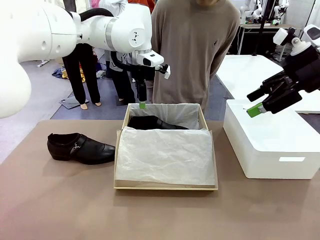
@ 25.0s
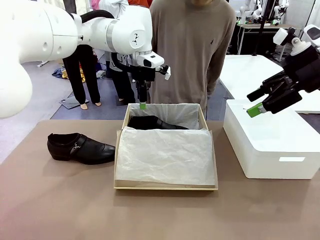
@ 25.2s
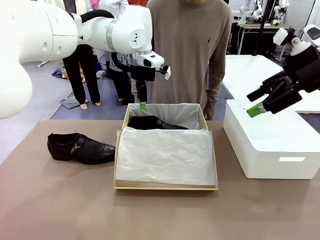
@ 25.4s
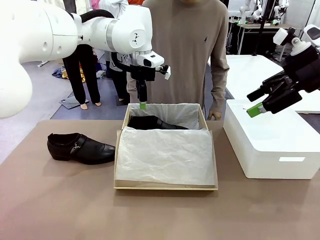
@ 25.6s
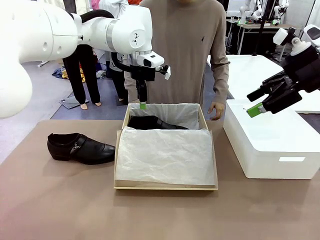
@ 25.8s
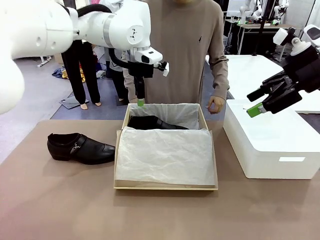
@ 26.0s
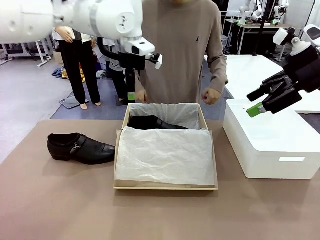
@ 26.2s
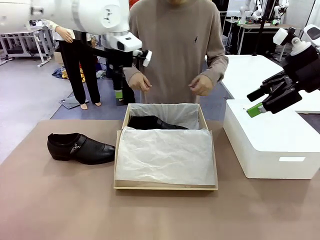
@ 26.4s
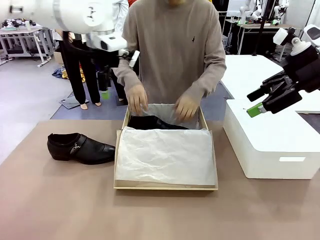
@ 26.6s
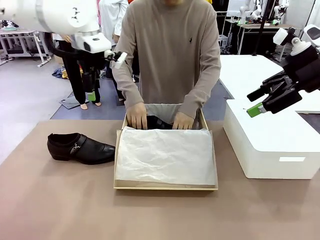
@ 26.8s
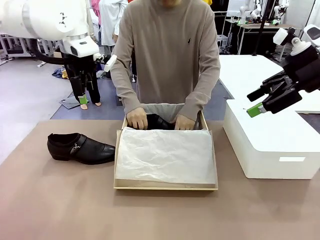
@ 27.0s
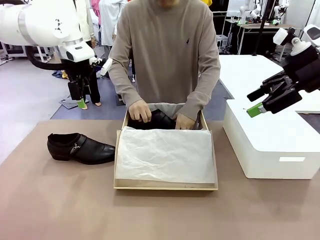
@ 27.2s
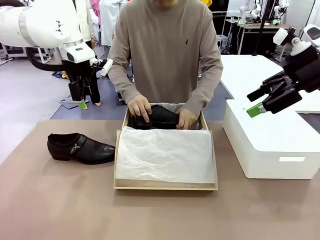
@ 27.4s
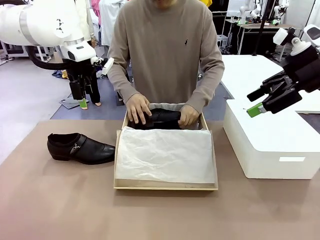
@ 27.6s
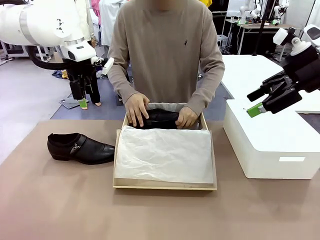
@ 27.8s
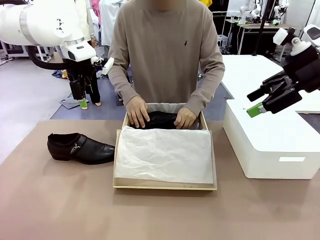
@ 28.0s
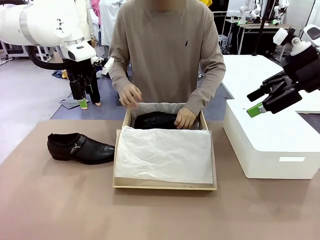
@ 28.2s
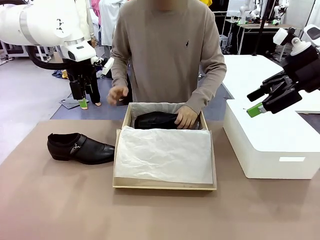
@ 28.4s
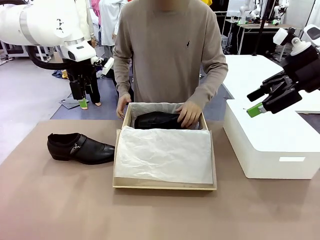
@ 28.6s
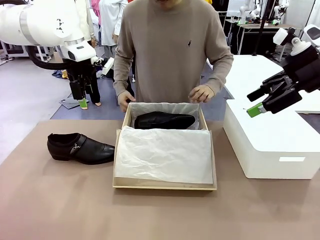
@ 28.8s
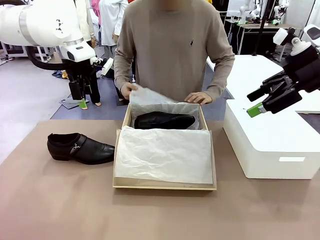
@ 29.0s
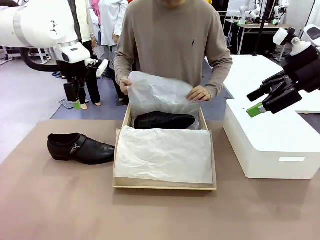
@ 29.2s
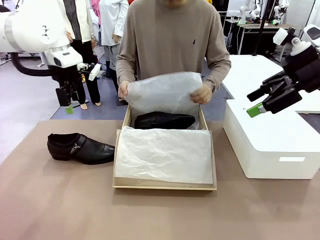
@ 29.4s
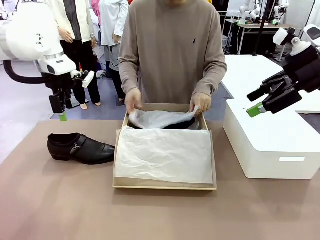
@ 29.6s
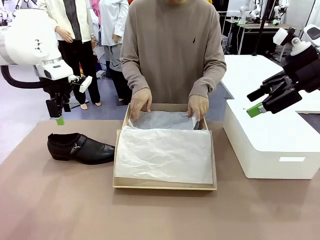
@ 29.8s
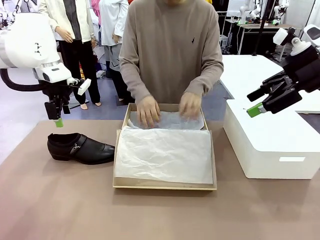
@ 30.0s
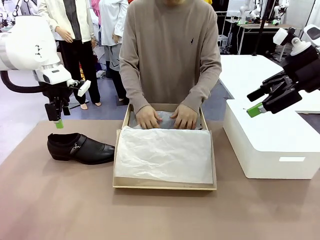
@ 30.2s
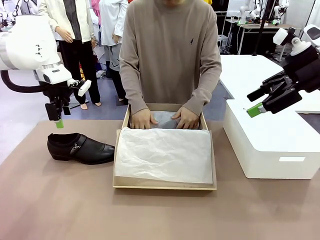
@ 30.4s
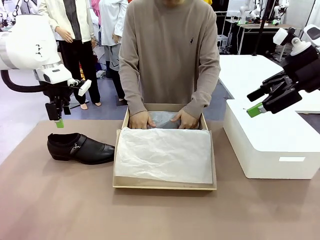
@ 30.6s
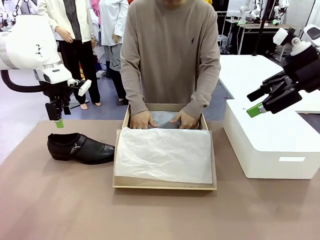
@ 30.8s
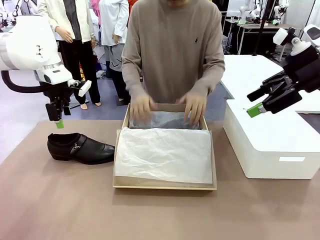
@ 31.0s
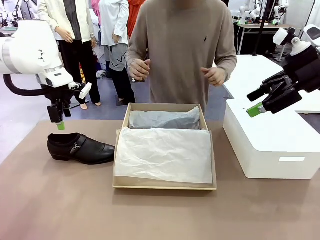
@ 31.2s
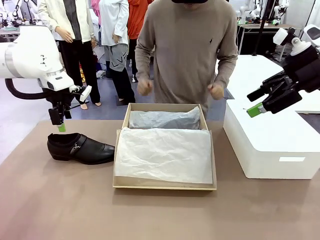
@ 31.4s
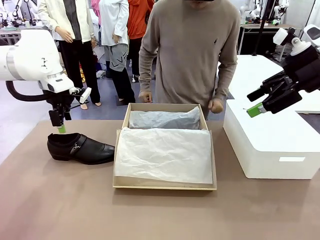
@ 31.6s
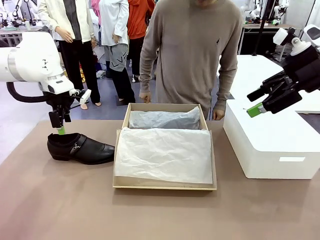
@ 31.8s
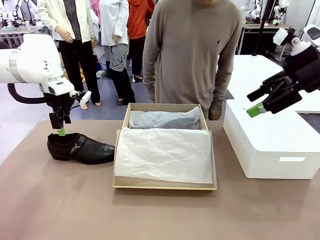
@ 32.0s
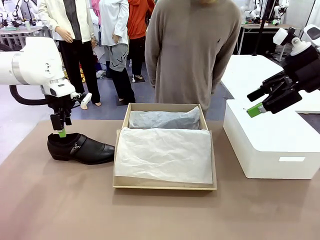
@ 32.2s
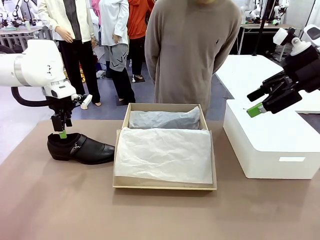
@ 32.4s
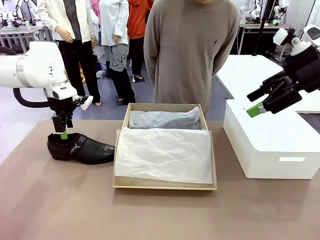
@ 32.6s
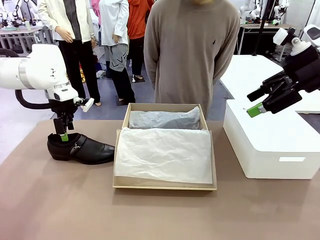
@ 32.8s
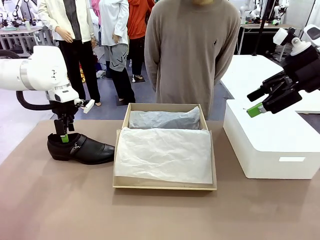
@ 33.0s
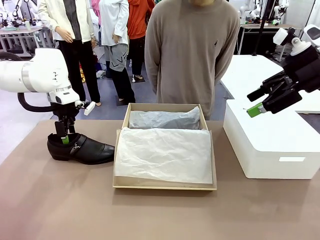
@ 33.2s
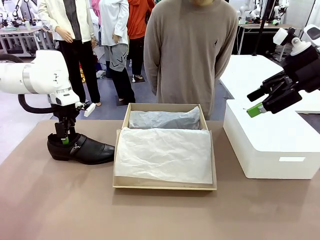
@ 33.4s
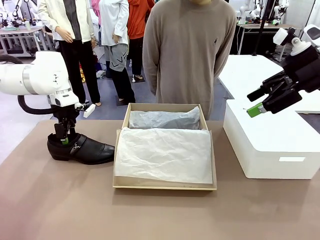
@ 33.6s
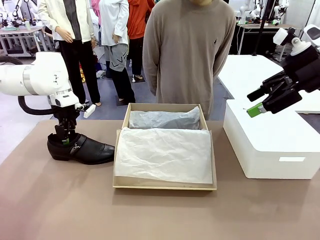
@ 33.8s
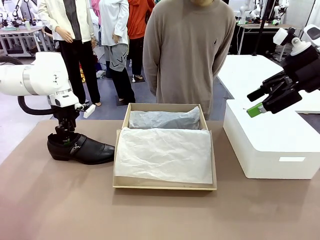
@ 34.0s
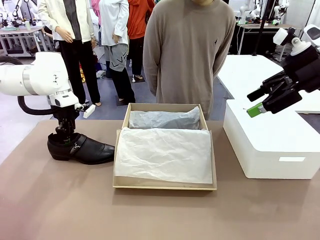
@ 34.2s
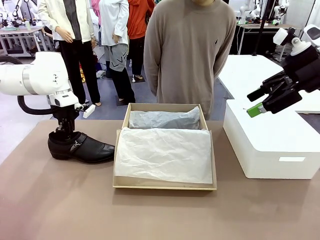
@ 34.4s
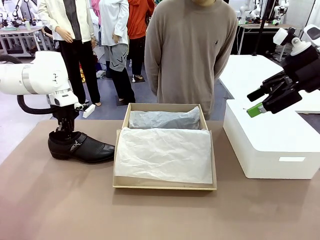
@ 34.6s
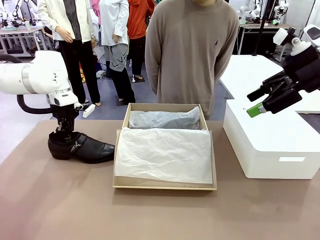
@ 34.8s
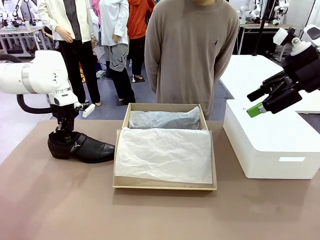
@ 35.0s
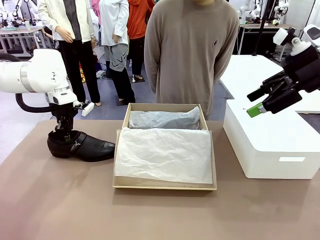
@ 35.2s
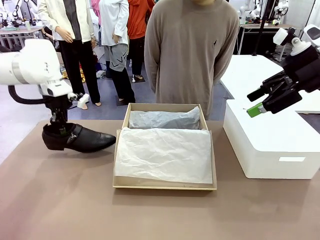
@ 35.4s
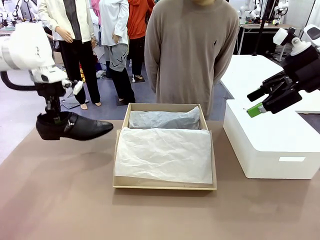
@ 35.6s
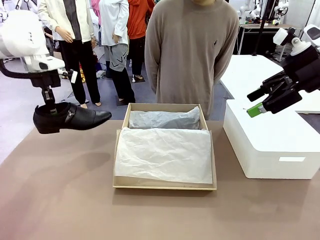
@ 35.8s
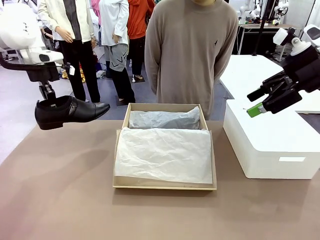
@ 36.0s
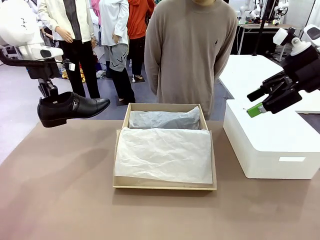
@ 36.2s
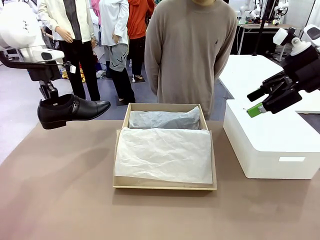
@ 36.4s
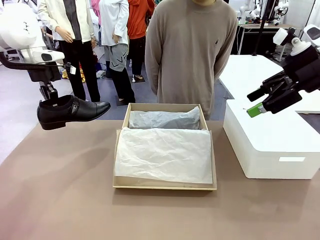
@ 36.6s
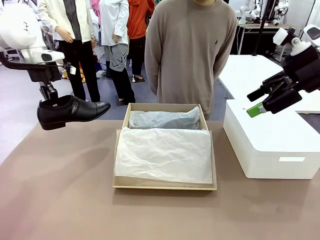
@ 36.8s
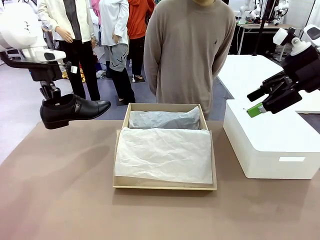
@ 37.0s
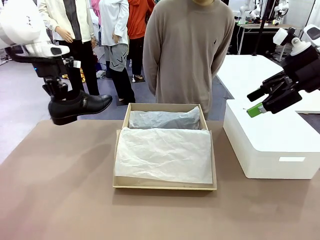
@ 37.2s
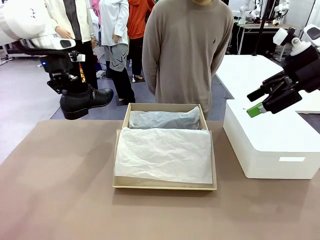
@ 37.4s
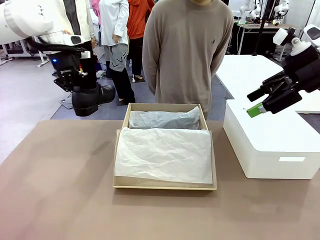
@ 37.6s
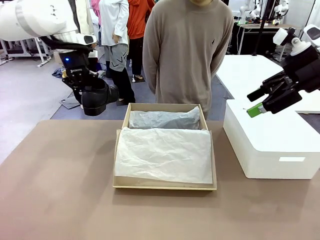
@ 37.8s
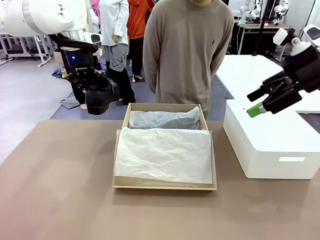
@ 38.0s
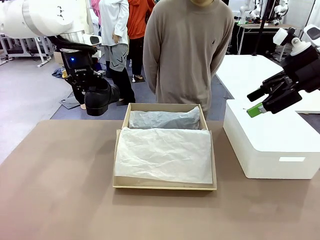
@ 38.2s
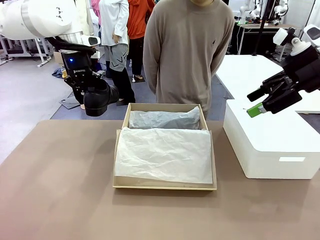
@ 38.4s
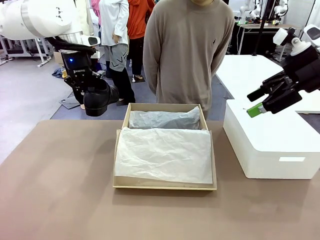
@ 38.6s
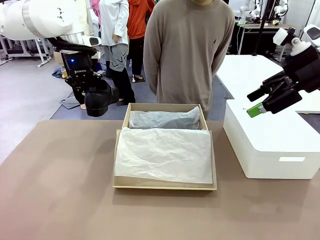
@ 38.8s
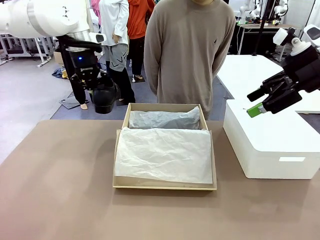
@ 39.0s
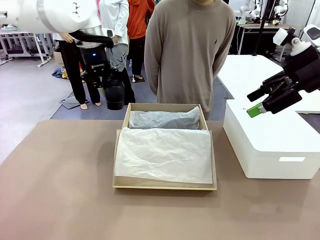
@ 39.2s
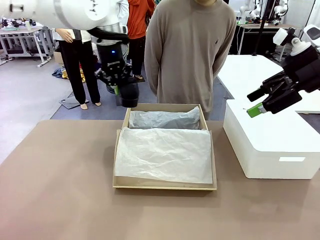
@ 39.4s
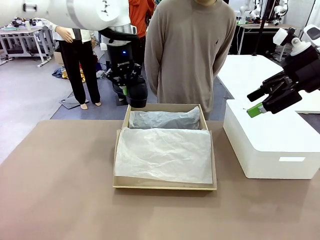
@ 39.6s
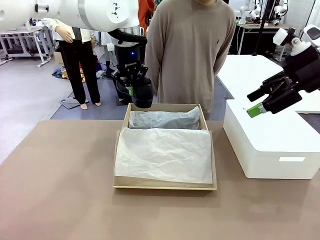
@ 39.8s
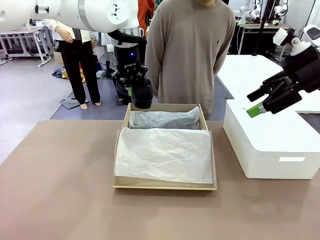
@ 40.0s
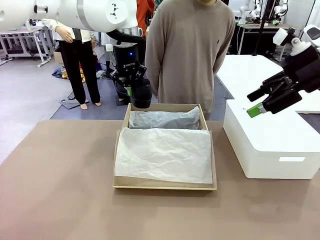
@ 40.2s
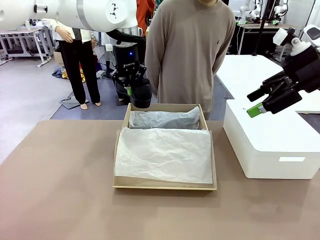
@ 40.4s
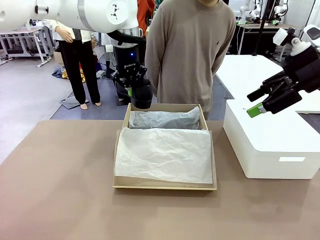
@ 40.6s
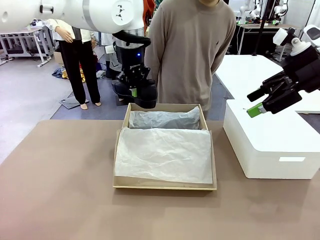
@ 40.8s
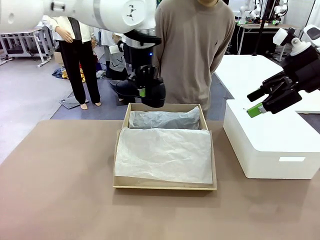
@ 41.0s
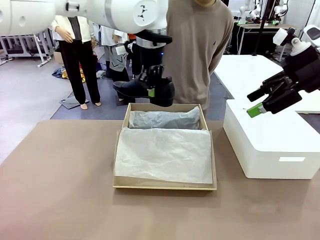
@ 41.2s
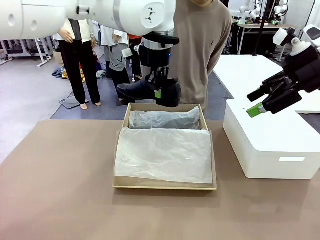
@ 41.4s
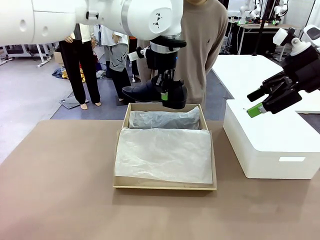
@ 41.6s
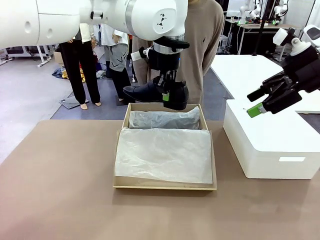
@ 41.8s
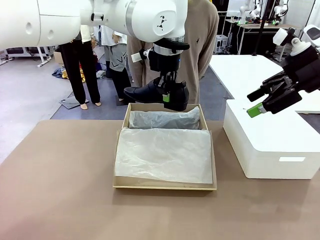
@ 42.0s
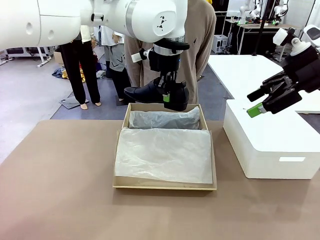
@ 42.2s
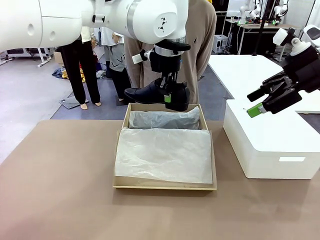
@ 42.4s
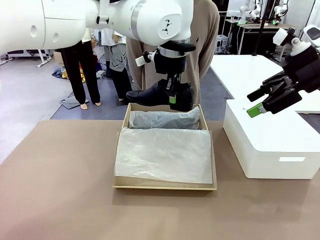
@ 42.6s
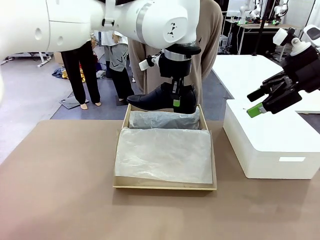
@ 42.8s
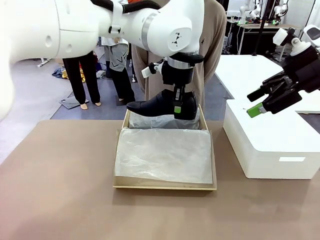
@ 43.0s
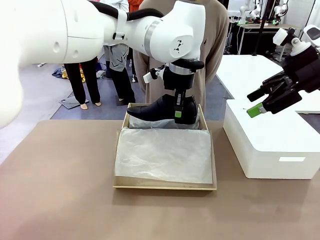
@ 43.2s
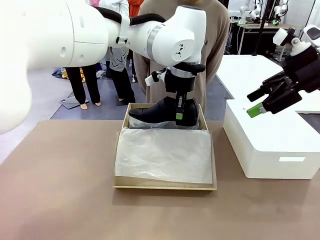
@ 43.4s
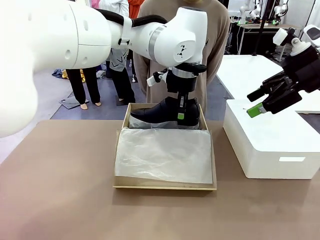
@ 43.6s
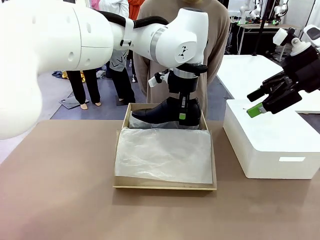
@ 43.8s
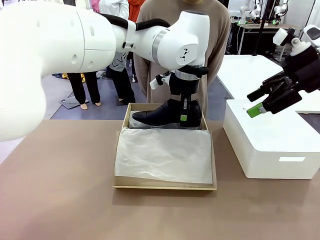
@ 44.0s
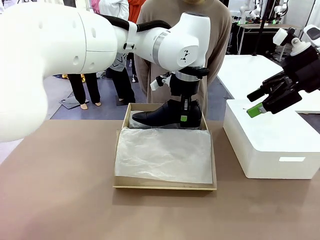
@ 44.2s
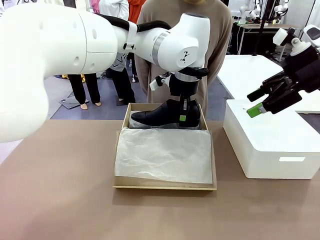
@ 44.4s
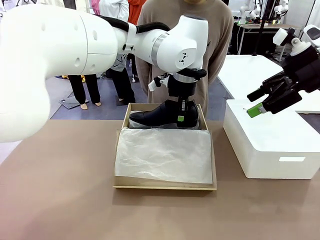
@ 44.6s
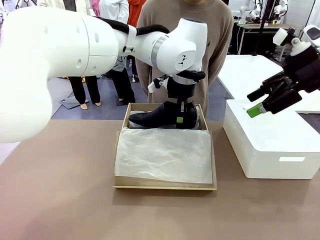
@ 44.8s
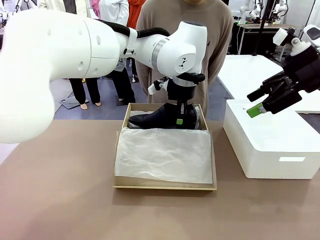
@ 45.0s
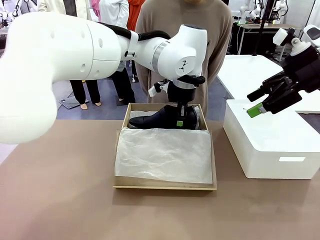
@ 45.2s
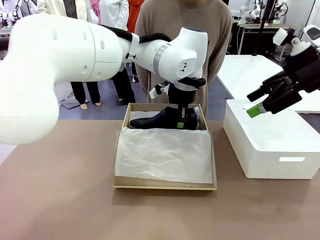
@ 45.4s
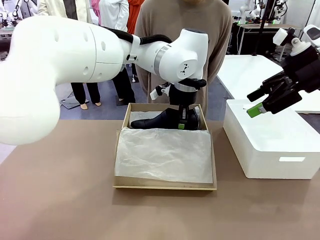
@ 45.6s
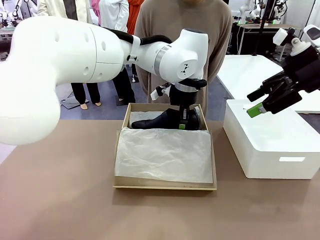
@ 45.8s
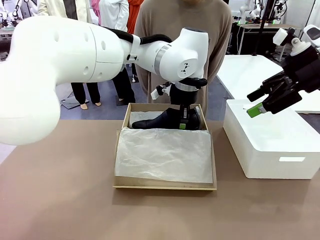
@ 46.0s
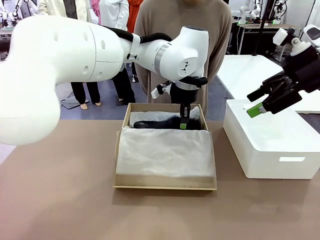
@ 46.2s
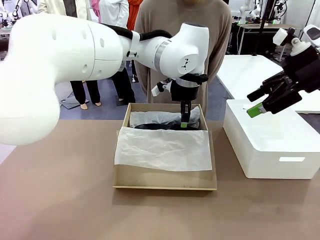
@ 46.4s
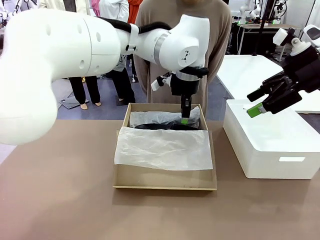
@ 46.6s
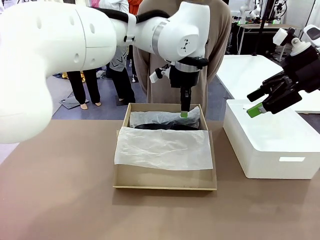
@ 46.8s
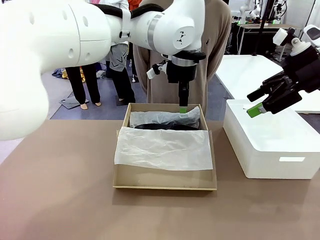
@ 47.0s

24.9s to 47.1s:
Task: Pack the shoes into the box.
Robot: Place the other shoe of the Shoes into the Shoes Box.
Person: Pack a shoe of Shoes inside the Shoes Box with Shoes Wrapping Paper.
